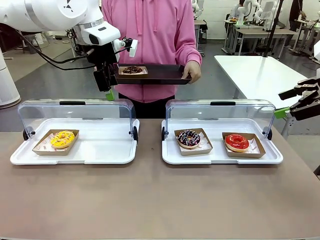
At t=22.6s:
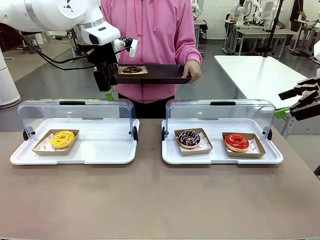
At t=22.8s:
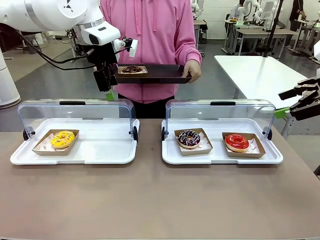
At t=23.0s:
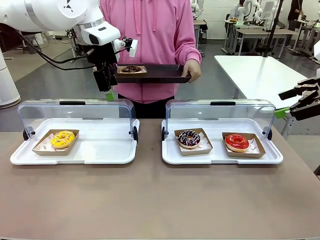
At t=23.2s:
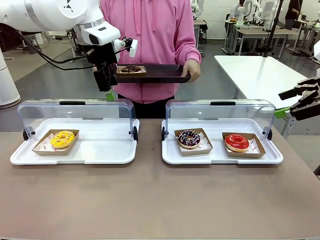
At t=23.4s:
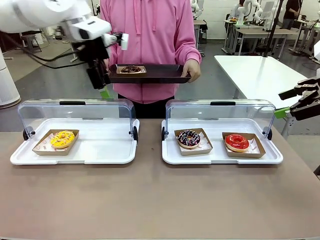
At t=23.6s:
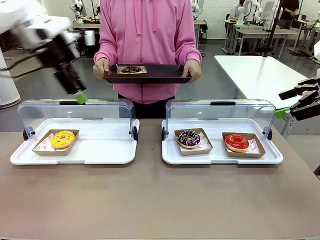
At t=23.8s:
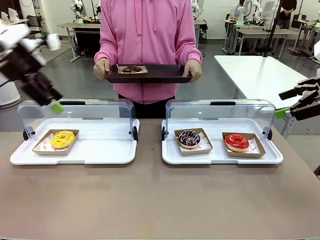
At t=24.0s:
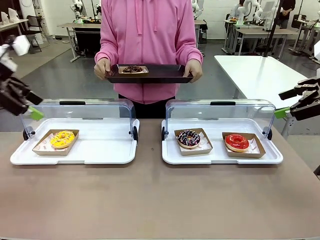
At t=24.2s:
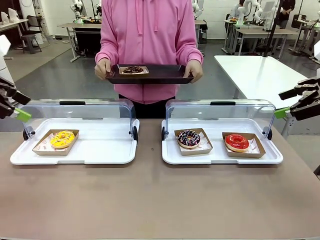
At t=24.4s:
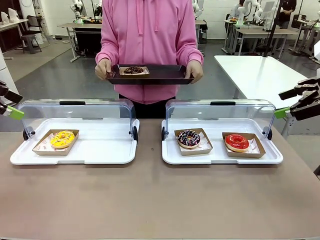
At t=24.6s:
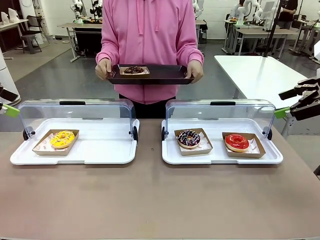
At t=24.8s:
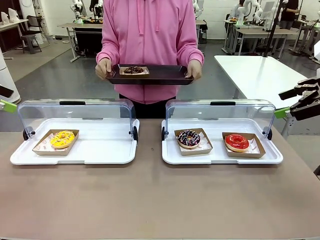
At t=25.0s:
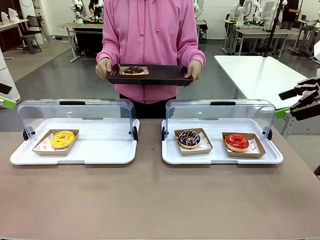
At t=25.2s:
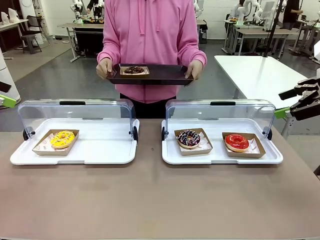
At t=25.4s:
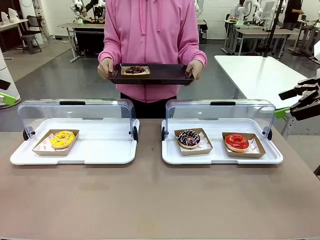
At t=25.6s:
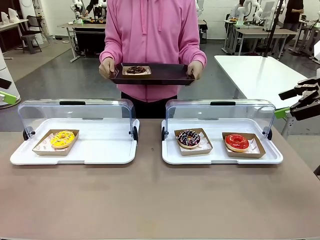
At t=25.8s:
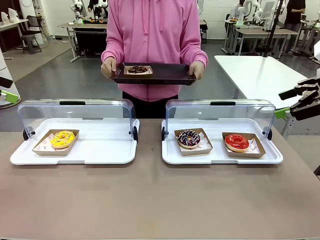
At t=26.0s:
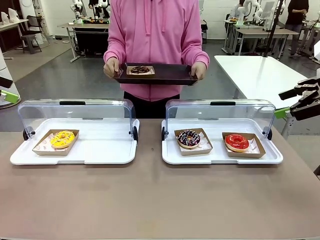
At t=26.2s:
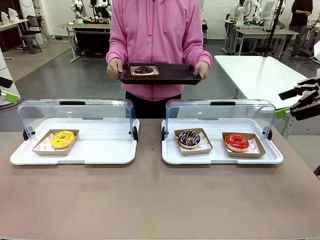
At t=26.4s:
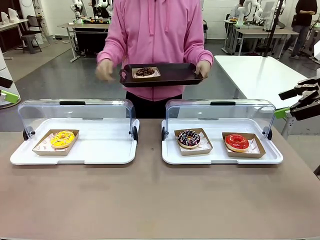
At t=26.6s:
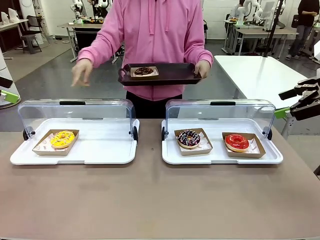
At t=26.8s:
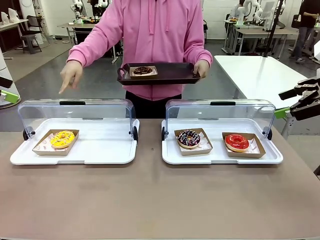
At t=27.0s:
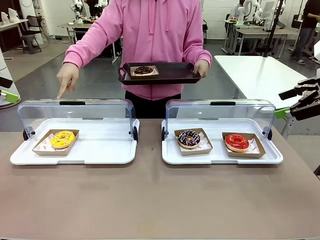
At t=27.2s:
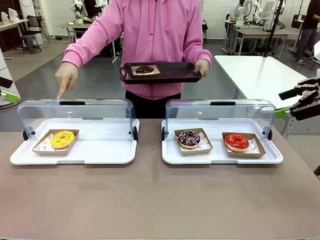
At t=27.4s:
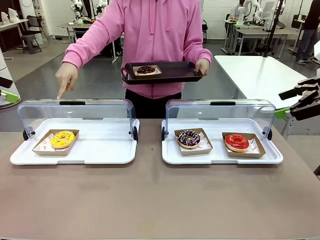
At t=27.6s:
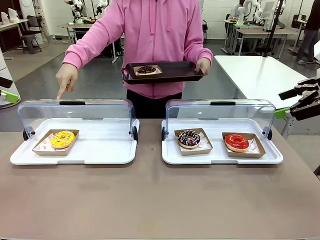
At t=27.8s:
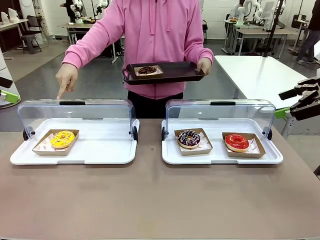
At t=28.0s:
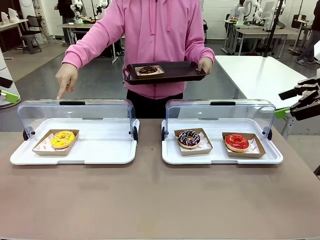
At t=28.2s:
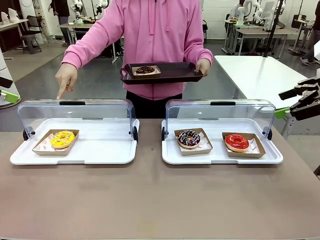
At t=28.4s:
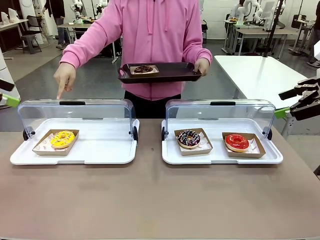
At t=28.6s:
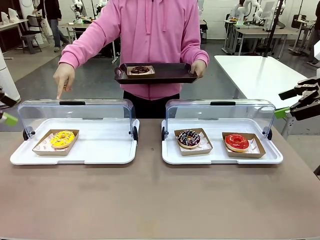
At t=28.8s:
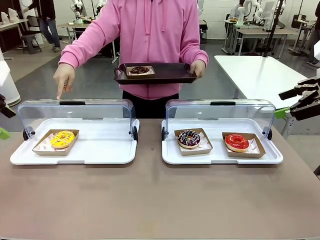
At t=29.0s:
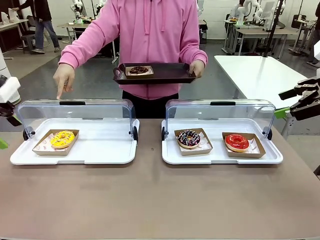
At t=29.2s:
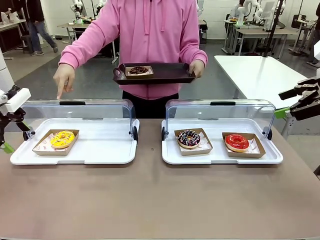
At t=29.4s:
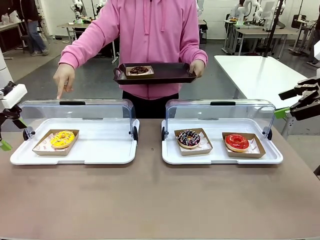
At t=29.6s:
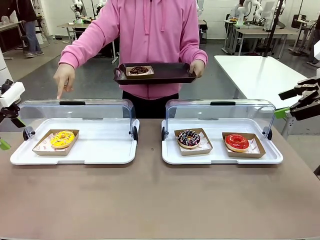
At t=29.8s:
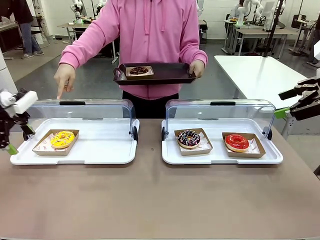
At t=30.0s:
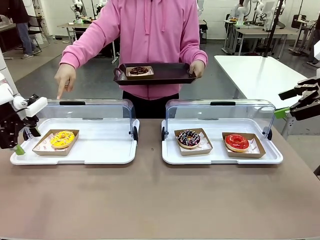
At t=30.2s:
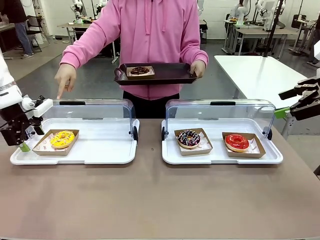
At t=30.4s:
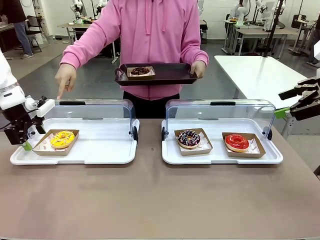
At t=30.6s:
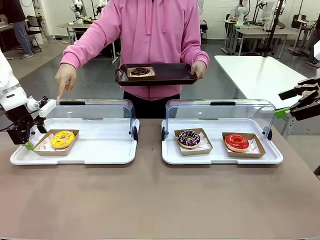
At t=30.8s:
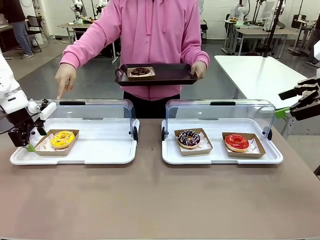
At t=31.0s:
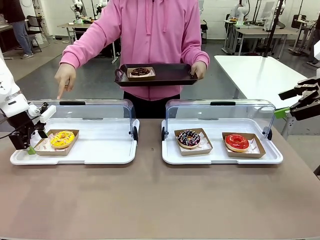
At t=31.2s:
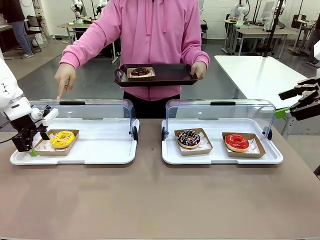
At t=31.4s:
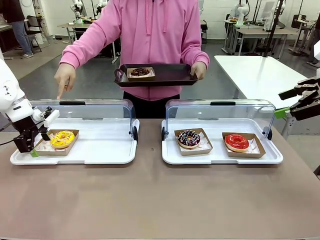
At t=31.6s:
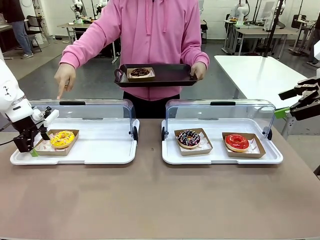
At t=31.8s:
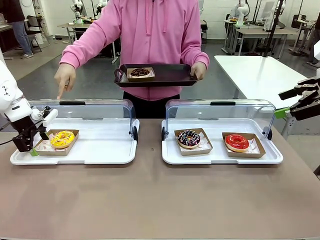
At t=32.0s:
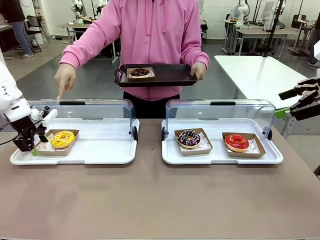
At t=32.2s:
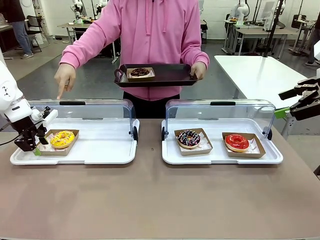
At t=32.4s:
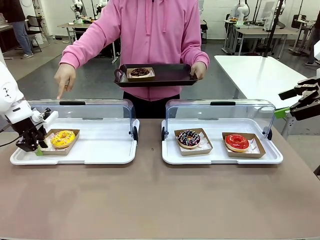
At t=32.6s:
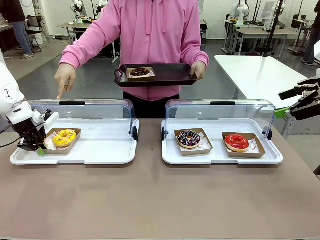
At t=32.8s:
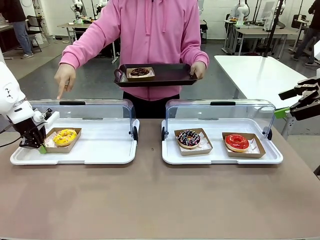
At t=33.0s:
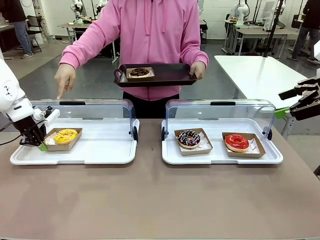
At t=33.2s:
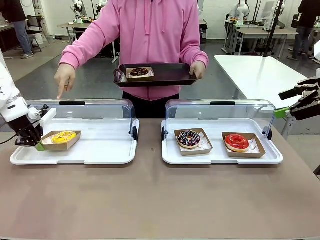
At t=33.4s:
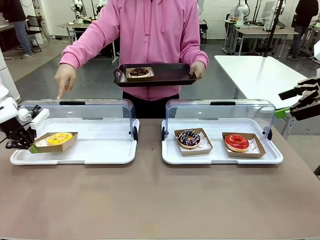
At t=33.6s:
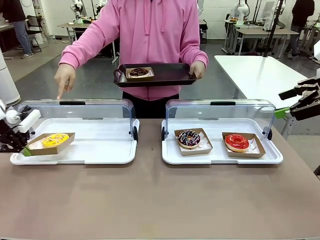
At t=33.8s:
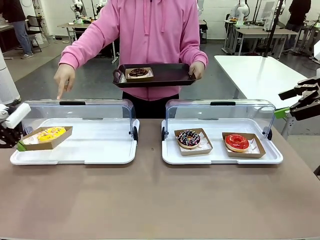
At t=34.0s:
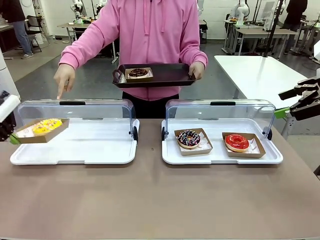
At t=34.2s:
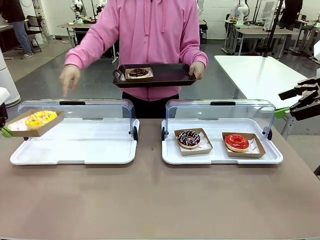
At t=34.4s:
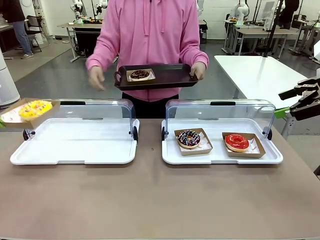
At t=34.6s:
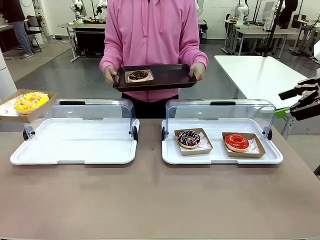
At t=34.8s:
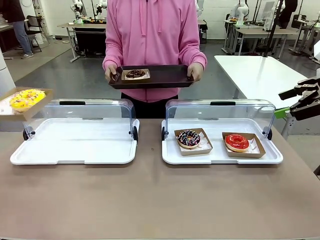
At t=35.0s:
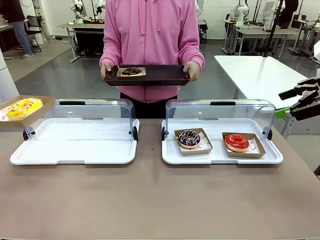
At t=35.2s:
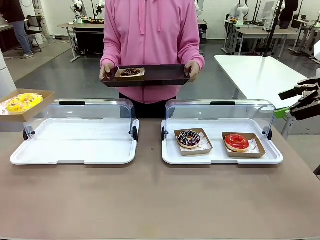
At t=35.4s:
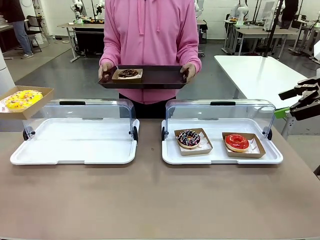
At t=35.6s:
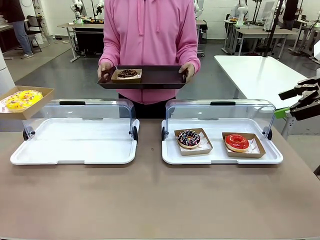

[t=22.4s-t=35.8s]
Task: Provide the desired donut to the person.
Robot: Pick up and lift the Paper togo box containing the Donut pointed at by the person.
Person: Lift the tray onto the Roll-Top Bakery Case.
